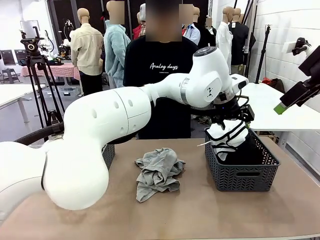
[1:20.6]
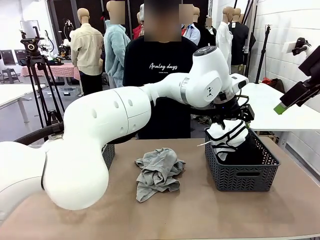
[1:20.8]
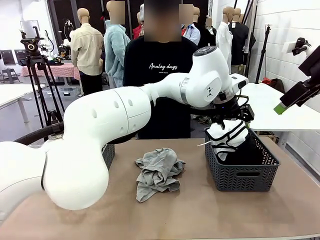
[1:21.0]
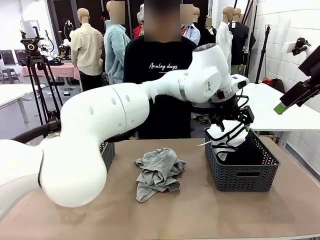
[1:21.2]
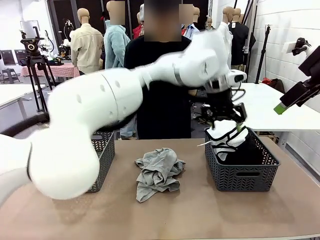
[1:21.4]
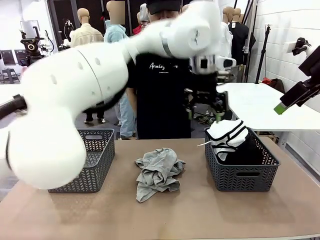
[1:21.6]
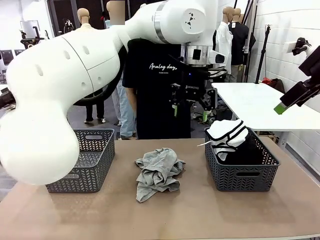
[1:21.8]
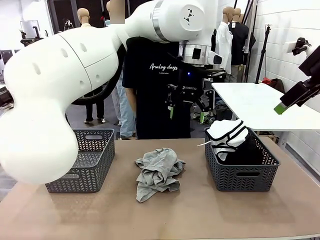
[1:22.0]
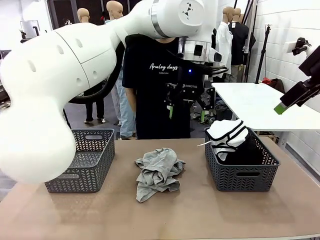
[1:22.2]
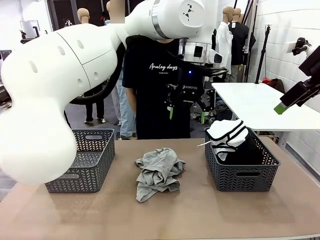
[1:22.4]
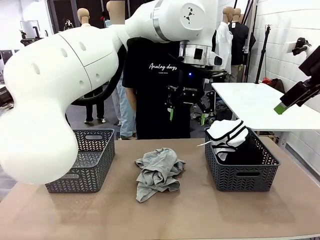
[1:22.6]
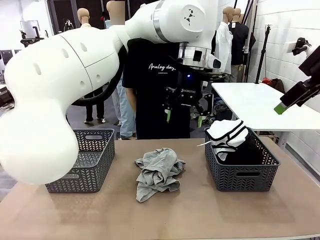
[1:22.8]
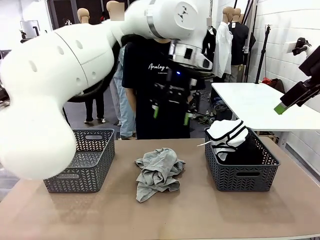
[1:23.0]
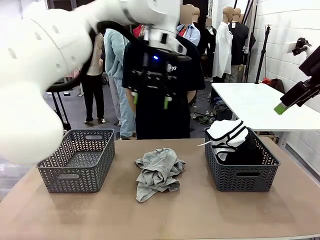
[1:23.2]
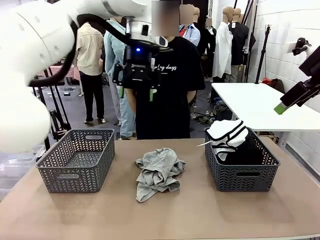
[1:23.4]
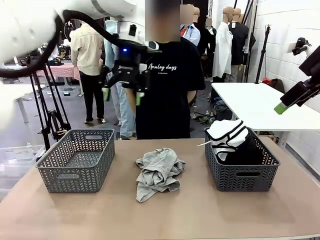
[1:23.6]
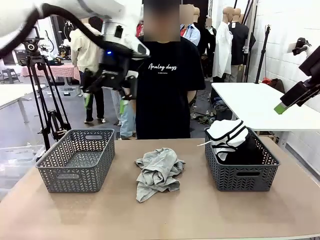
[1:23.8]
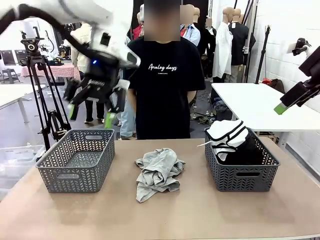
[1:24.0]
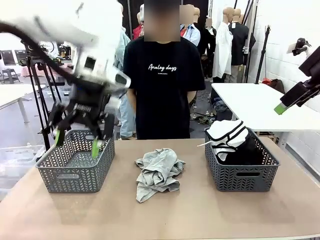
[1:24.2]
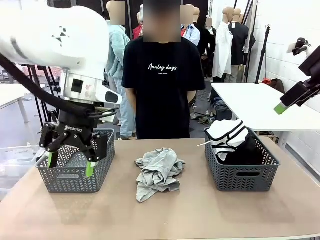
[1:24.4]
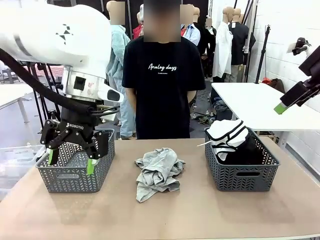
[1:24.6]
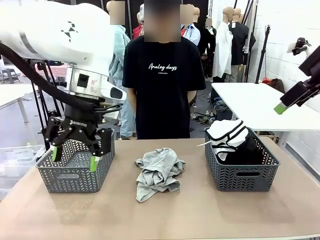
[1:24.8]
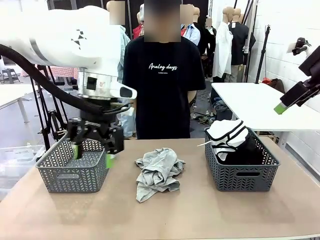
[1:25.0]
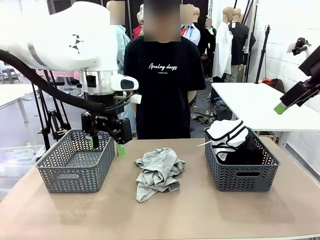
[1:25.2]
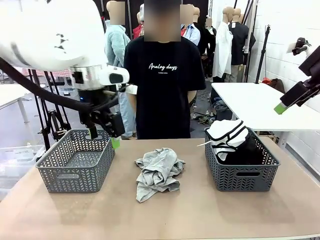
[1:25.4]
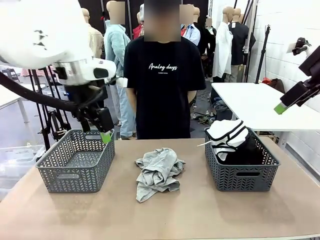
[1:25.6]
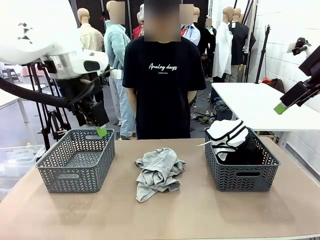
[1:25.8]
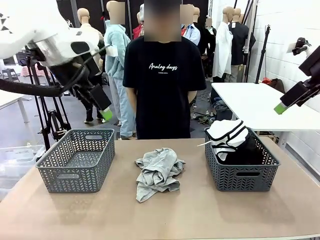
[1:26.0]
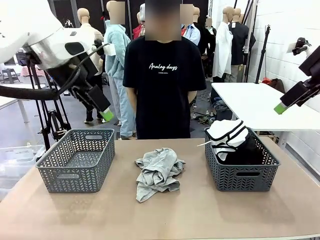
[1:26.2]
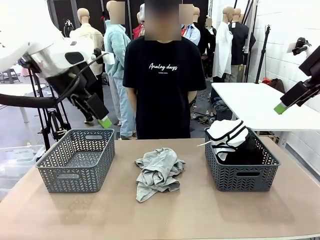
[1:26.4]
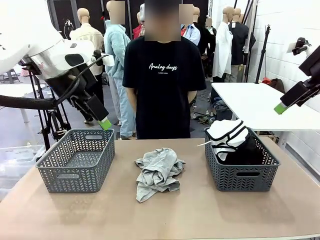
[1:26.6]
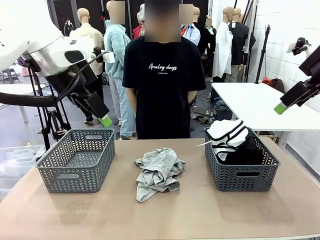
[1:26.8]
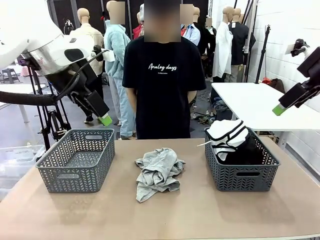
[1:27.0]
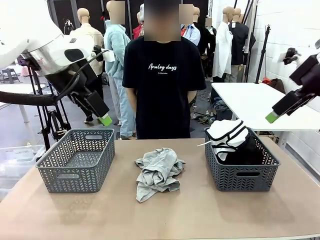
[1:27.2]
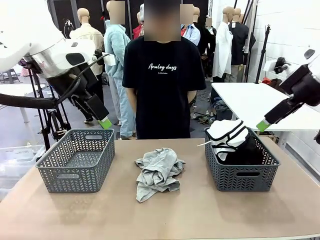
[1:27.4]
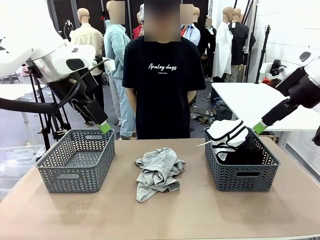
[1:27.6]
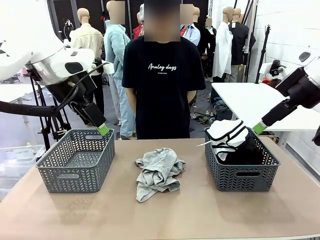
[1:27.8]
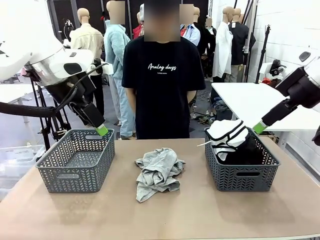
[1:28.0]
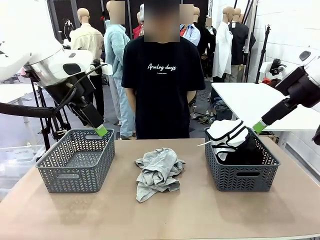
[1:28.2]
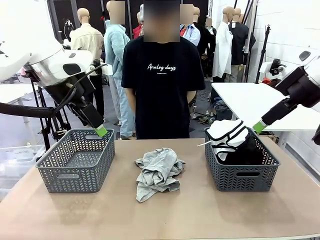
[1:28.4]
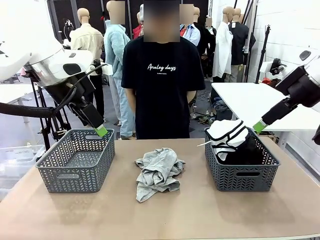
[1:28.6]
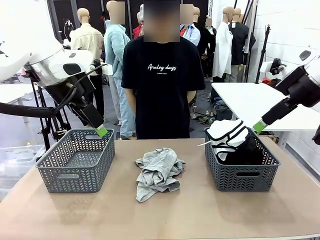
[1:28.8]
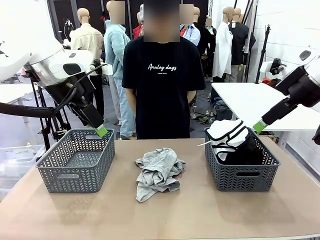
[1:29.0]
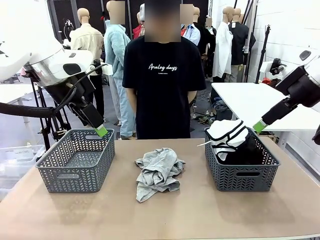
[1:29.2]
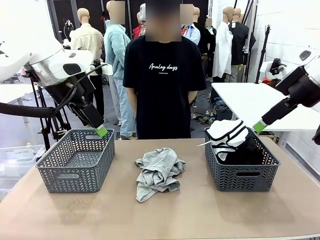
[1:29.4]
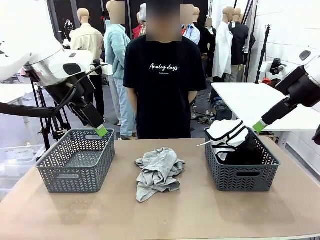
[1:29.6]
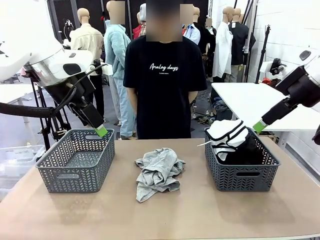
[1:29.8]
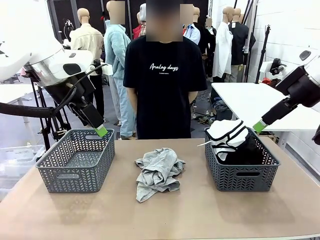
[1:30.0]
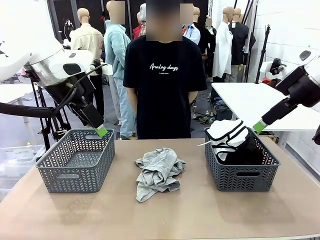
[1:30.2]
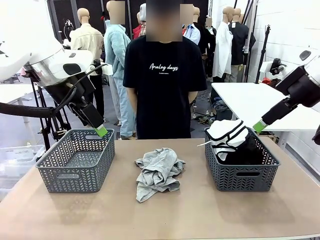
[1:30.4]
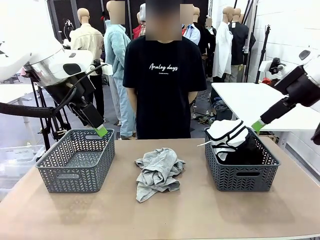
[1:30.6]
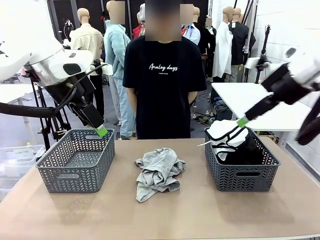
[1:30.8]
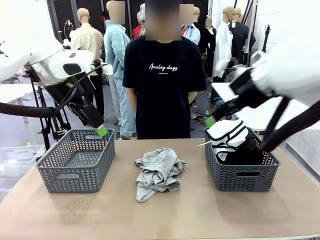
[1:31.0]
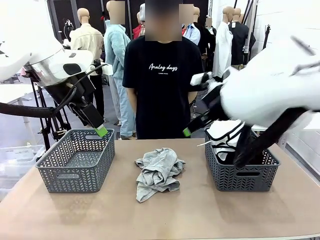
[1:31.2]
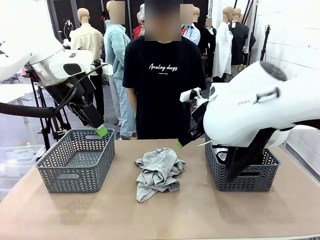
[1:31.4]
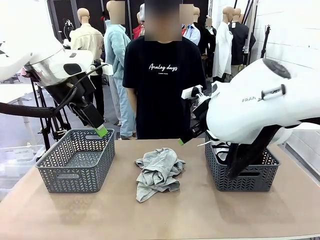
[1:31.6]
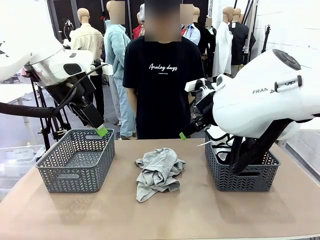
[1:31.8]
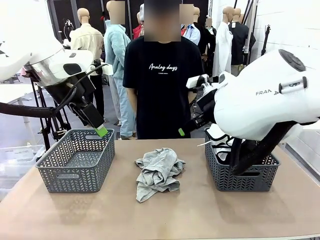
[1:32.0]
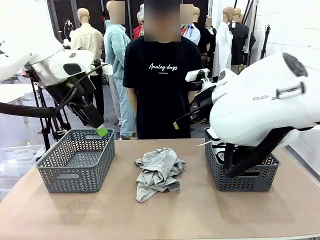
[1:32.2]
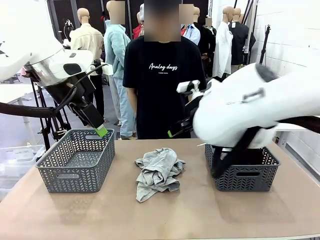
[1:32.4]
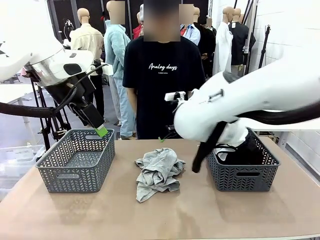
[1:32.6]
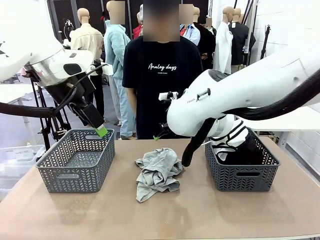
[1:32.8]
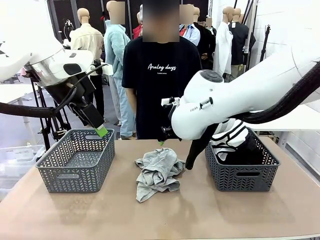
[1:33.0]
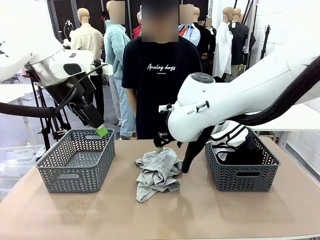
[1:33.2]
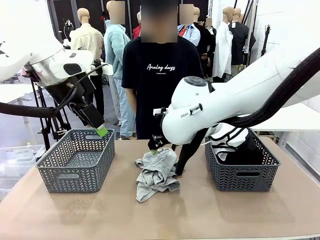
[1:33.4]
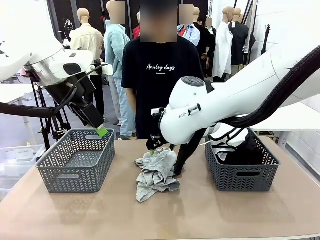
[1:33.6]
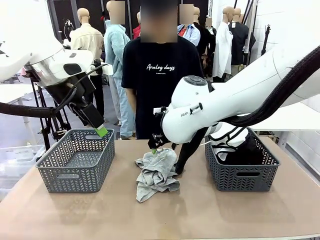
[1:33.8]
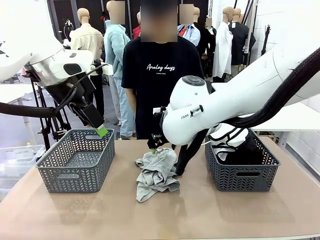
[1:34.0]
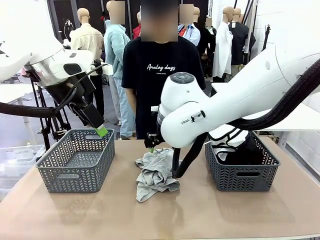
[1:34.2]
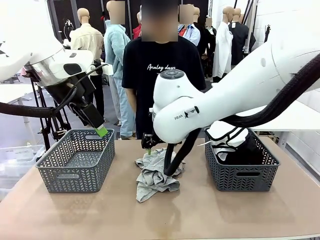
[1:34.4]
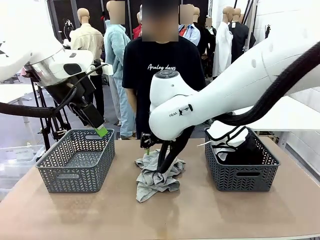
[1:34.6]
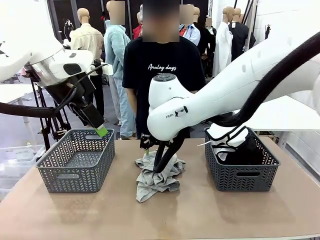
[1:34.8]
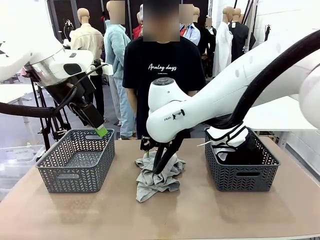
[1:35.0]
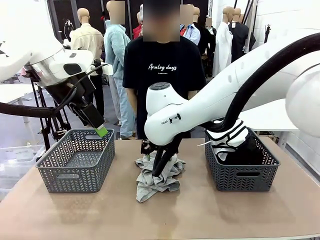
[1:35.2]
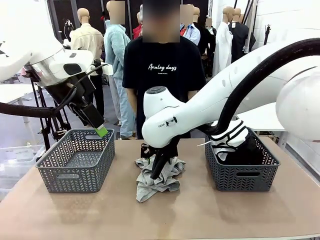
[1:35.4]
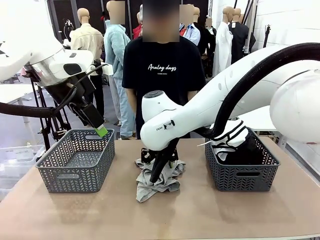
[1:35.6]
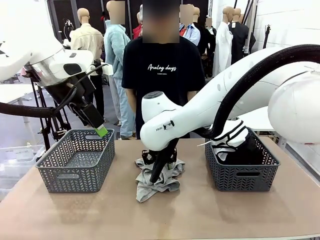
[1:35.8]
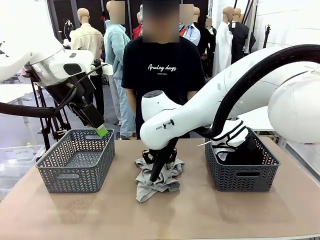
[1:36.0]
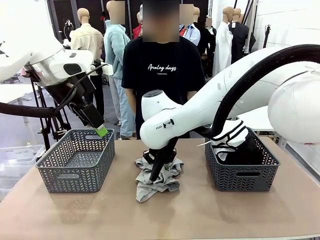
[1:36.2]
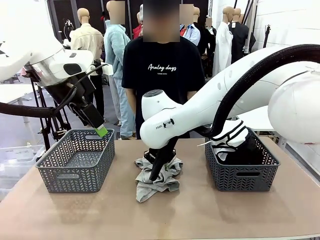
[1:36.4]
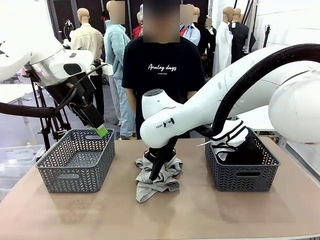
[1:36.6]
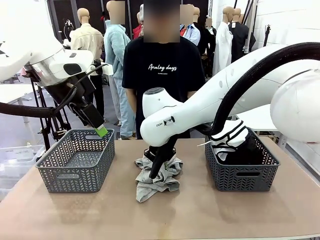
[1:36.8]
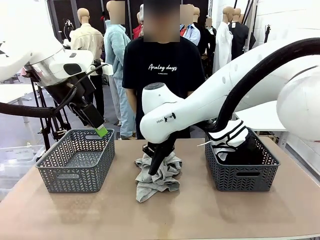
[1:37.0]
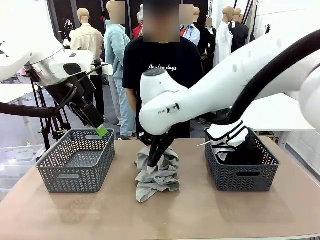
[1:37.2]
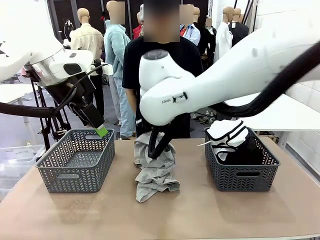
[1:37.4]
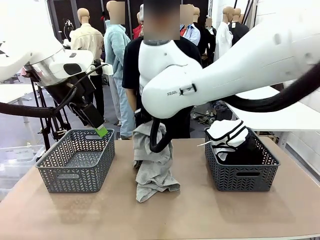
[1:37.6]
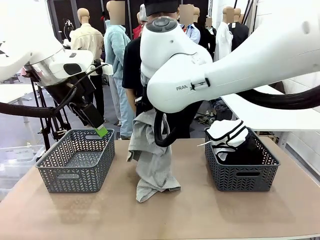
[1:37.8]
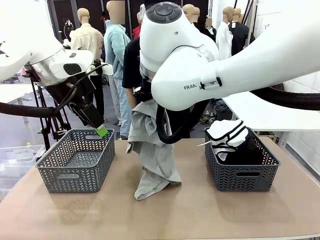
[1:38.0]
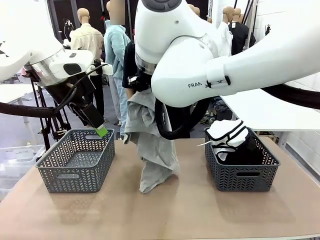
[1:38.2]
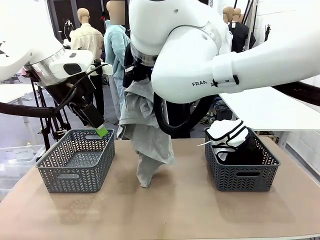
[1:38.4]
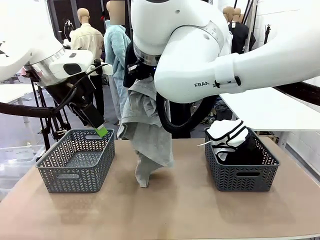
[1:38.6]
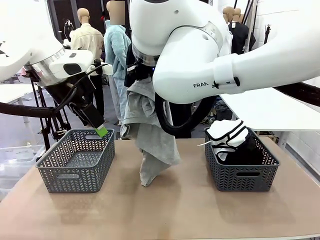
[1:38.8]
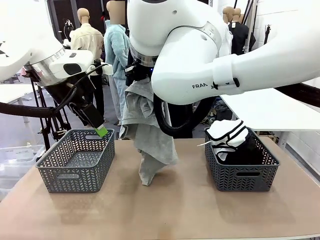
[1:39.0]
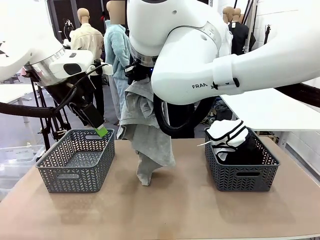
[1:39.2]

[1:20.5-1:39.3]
Task: Sort the tops and bottoms.
Robot: Lift clothes from the center of the table with your right hand.

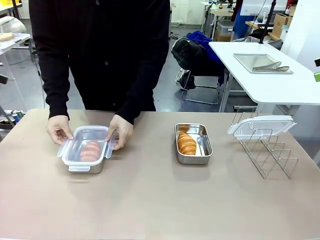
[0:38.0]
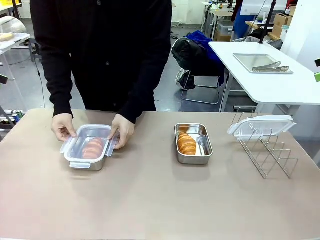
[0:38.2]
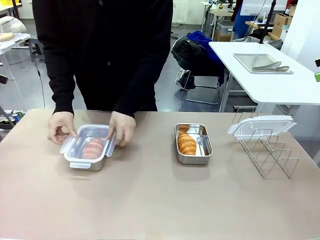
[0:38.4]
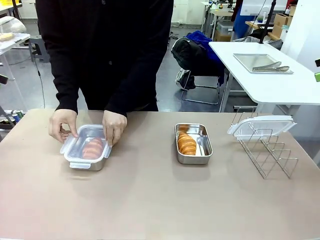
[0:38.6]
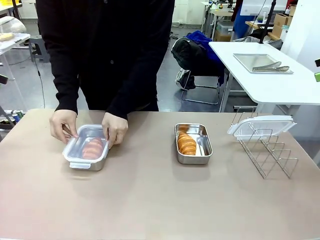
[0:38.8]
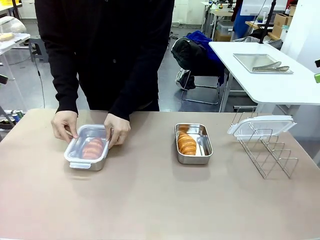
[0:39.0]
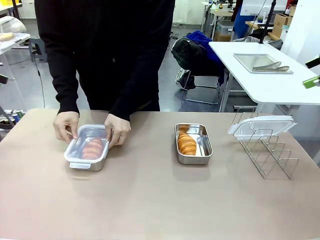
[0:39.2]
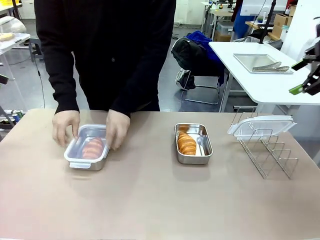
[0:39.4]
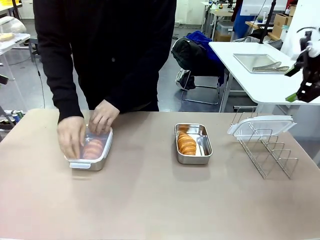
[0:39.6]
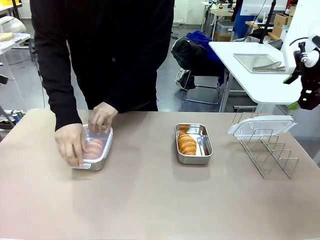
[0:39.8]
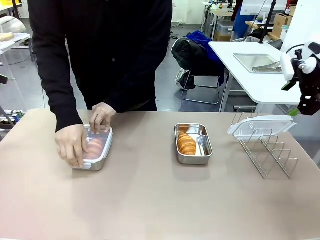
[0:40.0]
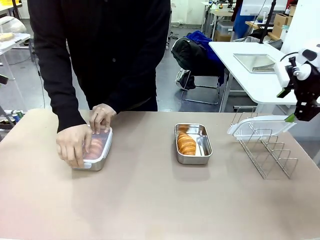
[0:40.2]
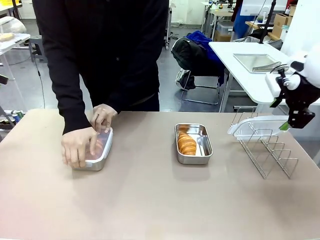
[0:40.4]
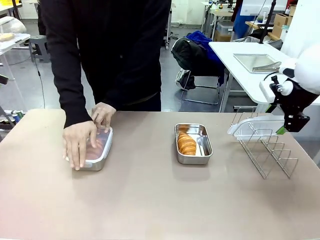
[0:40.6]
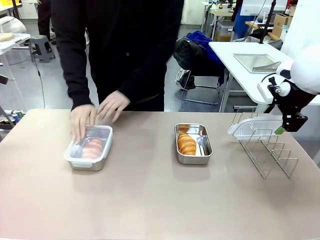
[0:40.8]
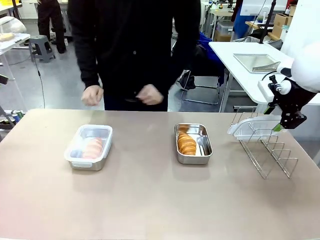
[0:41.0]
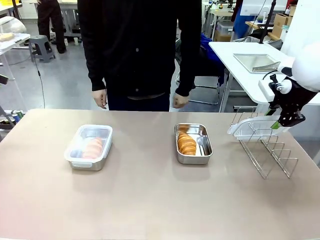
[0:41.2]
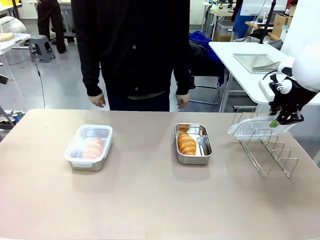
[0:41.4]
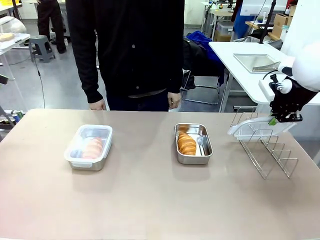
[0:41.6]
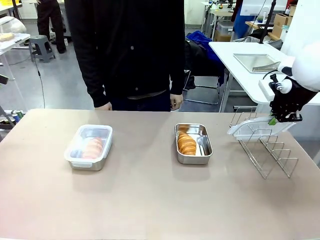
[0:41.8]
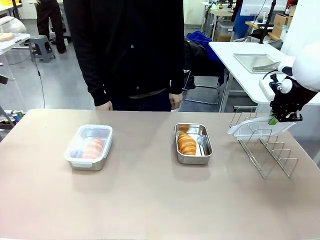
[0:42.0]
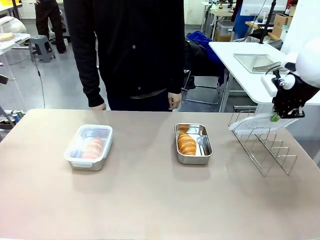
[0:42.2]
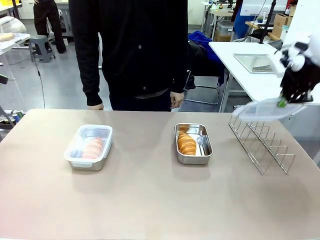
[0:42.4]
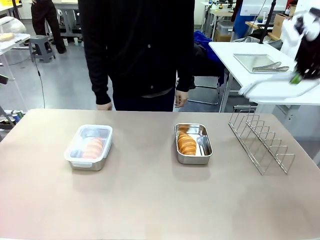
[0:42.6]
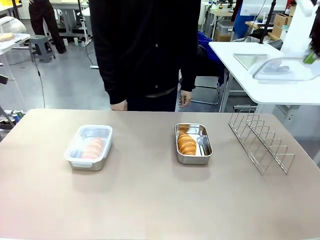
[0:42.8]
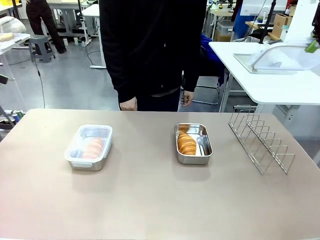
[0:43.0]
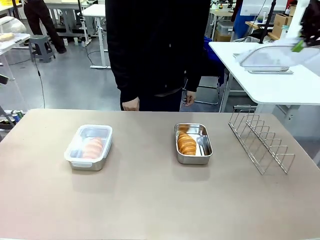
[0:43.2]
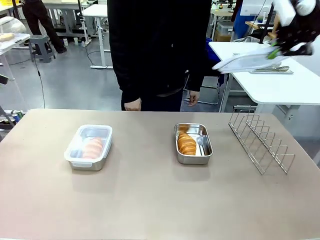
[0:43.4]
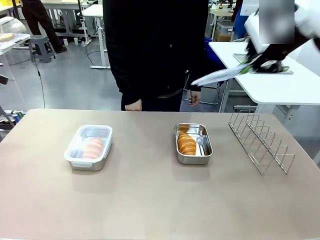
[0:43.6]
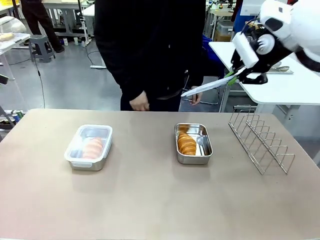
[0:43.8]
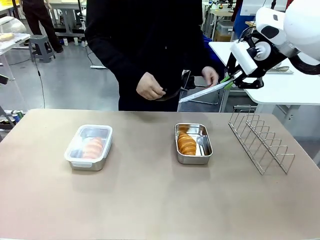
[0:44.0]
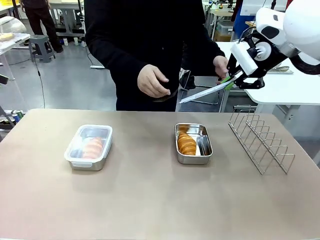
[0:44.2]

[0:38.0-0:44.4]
Task: Place the bread in airtight containers.
Robot: Pick up one Airtight Container lid and hand it to the human.
Person: Close Airtight Container with a handed Airtight Container lid. Grip Airtight Container lid that robot is handing.
